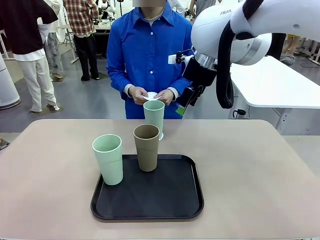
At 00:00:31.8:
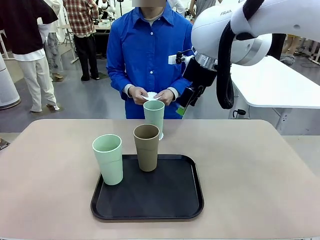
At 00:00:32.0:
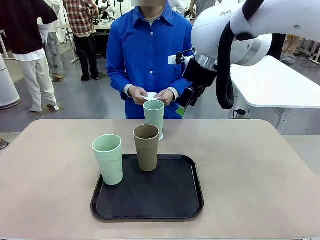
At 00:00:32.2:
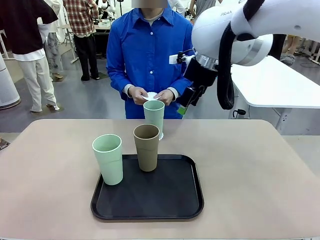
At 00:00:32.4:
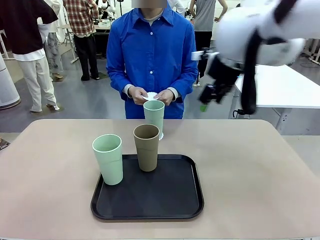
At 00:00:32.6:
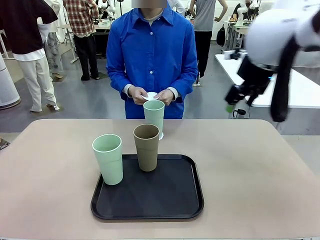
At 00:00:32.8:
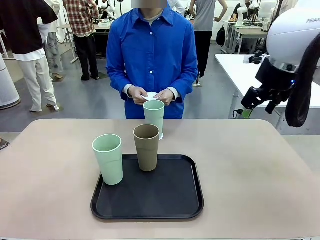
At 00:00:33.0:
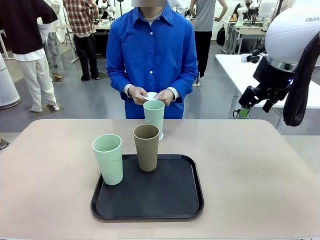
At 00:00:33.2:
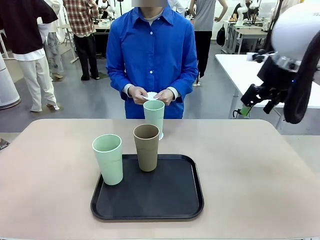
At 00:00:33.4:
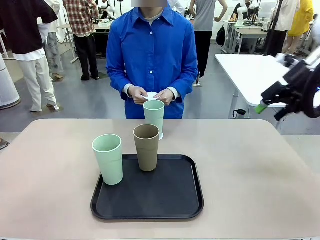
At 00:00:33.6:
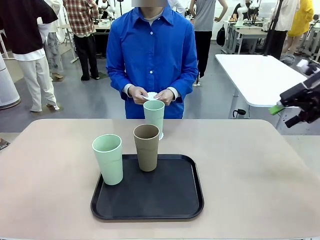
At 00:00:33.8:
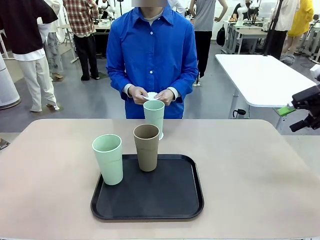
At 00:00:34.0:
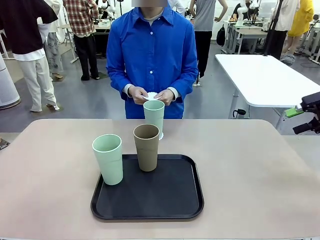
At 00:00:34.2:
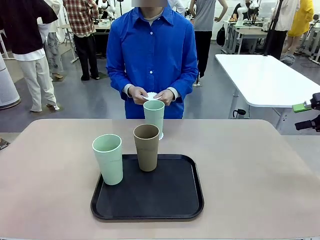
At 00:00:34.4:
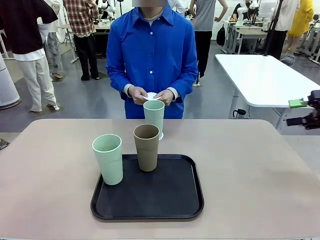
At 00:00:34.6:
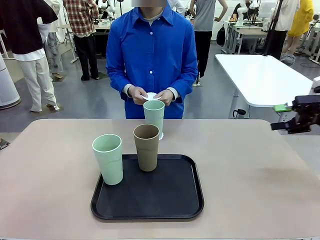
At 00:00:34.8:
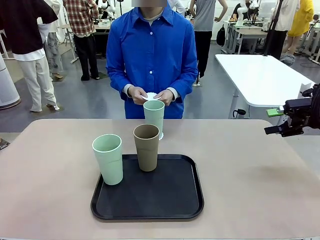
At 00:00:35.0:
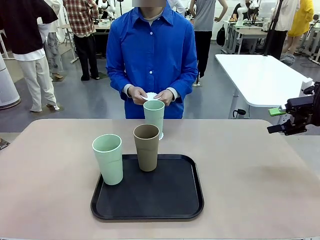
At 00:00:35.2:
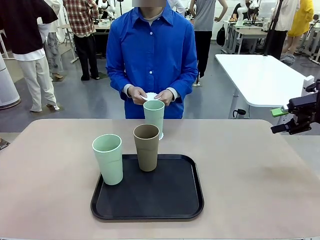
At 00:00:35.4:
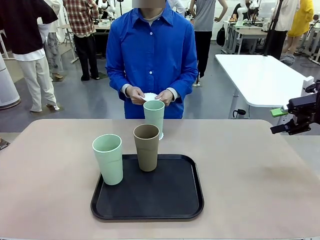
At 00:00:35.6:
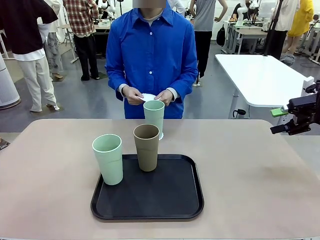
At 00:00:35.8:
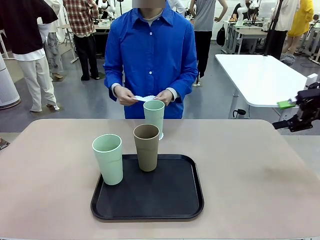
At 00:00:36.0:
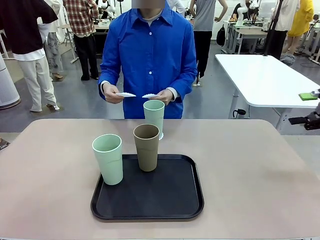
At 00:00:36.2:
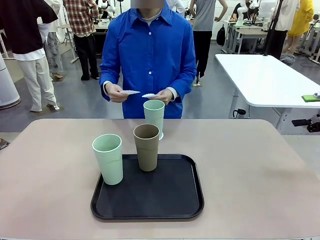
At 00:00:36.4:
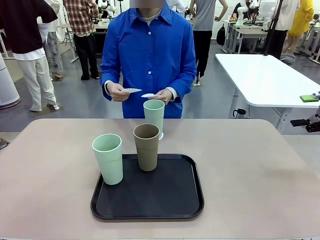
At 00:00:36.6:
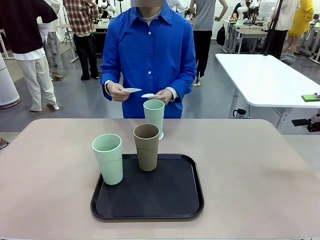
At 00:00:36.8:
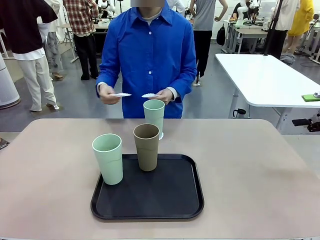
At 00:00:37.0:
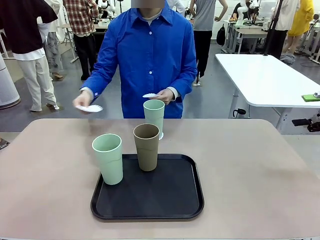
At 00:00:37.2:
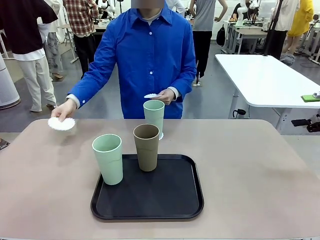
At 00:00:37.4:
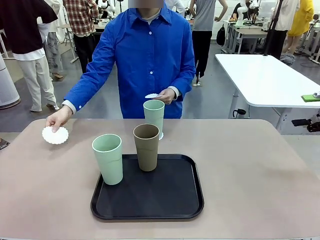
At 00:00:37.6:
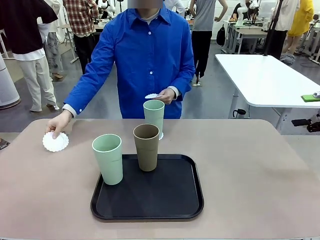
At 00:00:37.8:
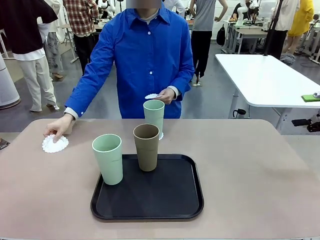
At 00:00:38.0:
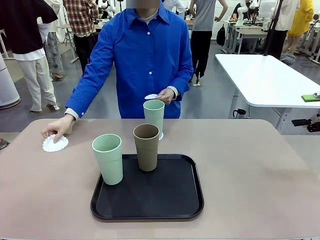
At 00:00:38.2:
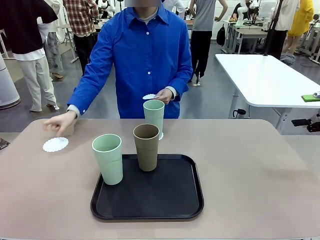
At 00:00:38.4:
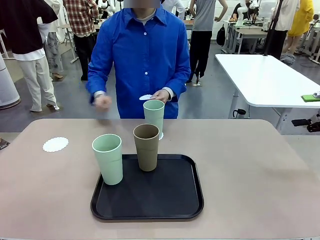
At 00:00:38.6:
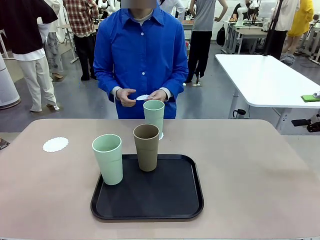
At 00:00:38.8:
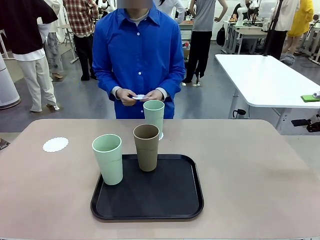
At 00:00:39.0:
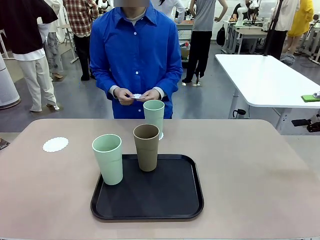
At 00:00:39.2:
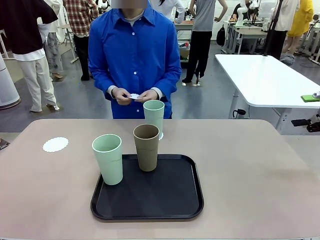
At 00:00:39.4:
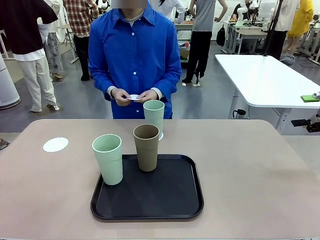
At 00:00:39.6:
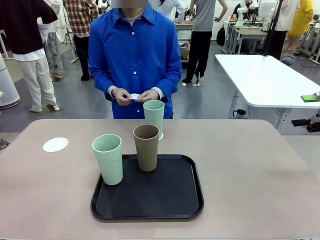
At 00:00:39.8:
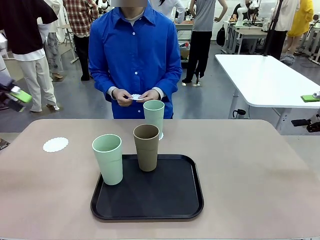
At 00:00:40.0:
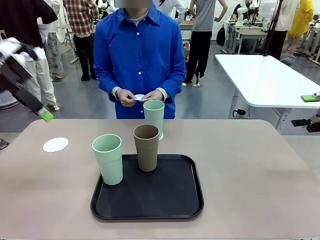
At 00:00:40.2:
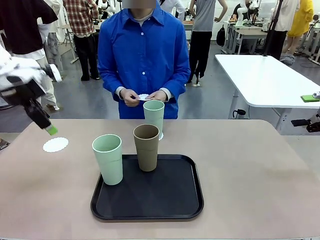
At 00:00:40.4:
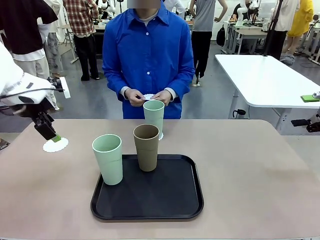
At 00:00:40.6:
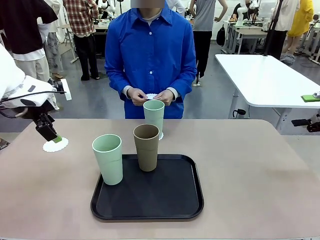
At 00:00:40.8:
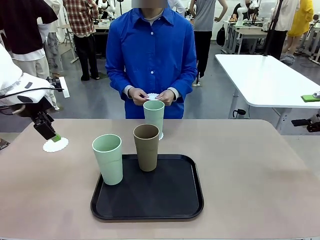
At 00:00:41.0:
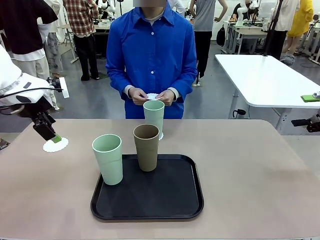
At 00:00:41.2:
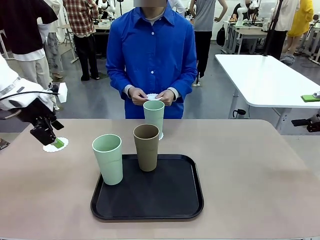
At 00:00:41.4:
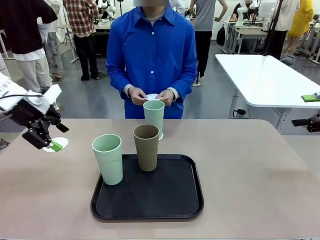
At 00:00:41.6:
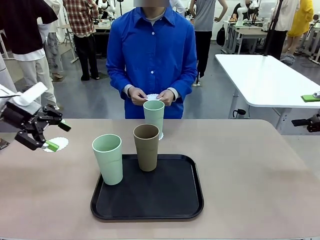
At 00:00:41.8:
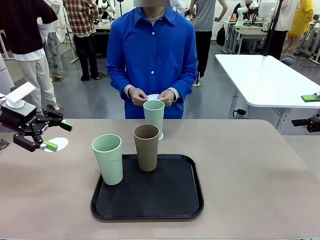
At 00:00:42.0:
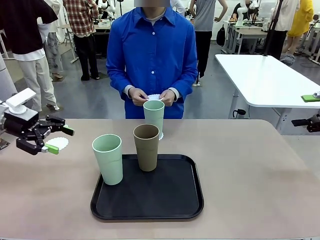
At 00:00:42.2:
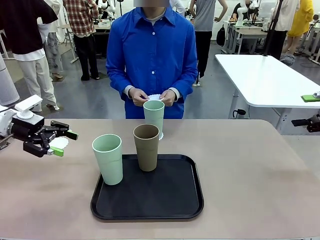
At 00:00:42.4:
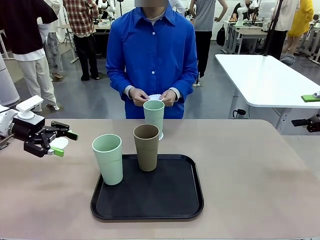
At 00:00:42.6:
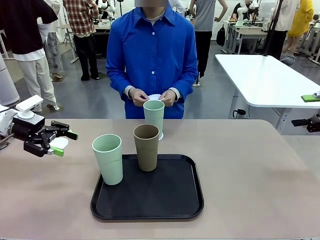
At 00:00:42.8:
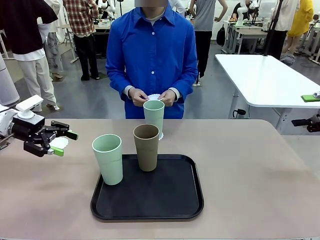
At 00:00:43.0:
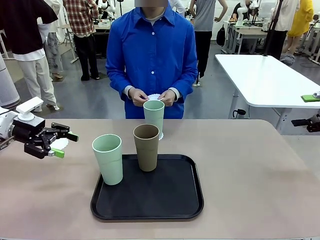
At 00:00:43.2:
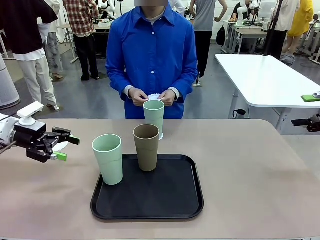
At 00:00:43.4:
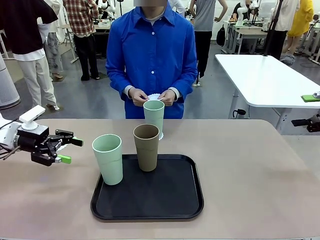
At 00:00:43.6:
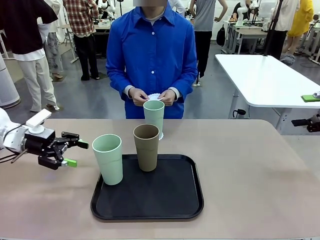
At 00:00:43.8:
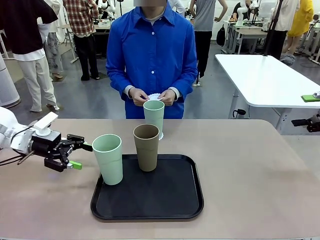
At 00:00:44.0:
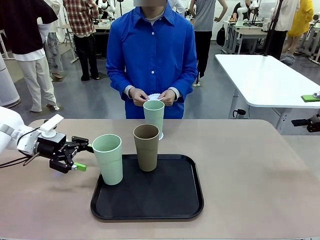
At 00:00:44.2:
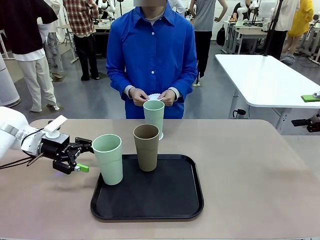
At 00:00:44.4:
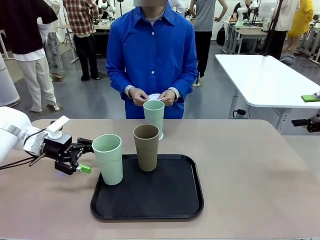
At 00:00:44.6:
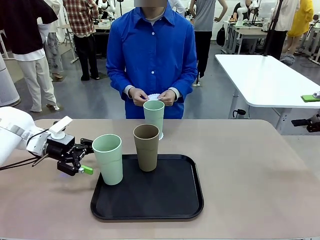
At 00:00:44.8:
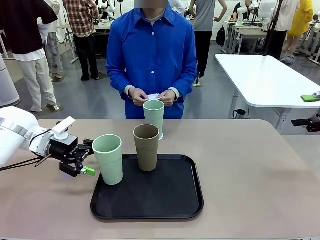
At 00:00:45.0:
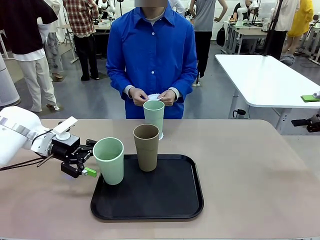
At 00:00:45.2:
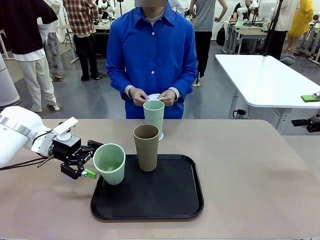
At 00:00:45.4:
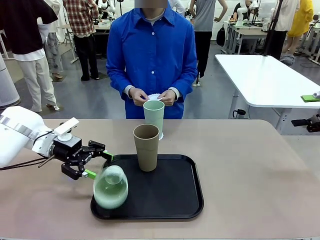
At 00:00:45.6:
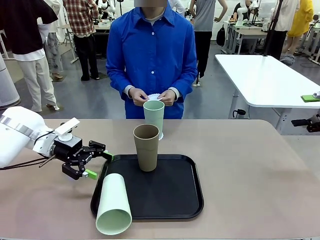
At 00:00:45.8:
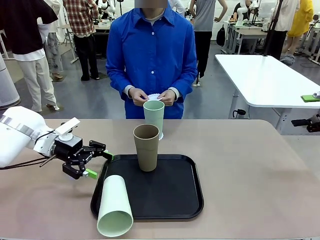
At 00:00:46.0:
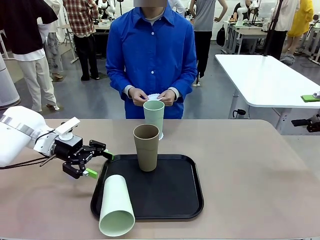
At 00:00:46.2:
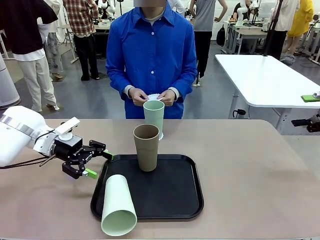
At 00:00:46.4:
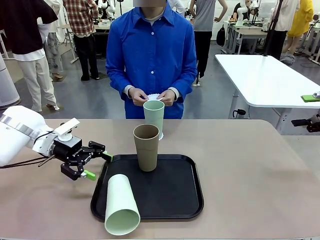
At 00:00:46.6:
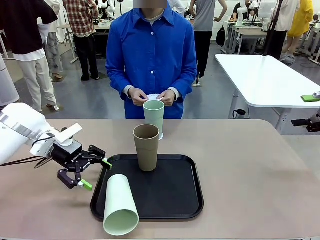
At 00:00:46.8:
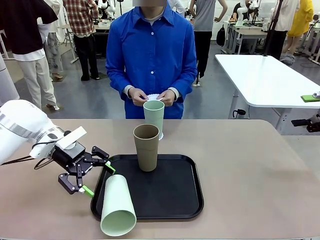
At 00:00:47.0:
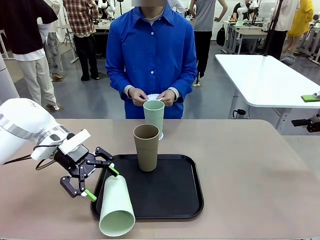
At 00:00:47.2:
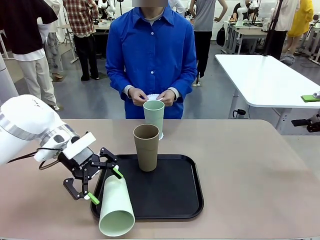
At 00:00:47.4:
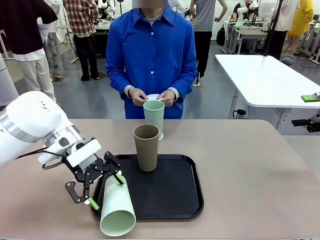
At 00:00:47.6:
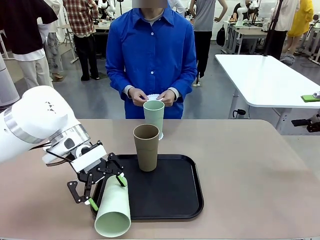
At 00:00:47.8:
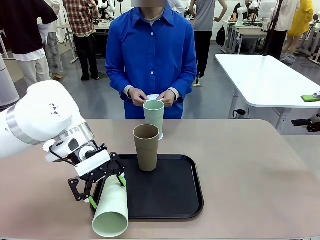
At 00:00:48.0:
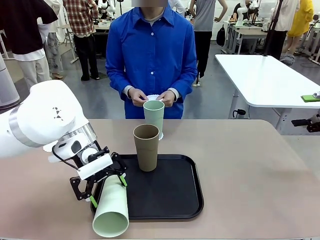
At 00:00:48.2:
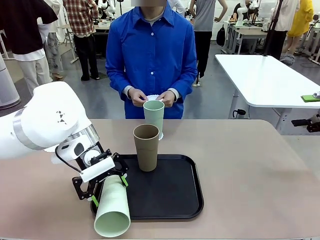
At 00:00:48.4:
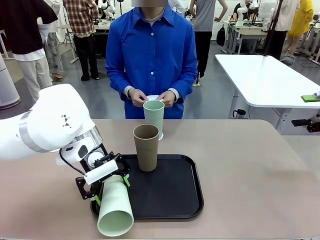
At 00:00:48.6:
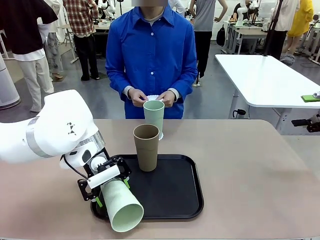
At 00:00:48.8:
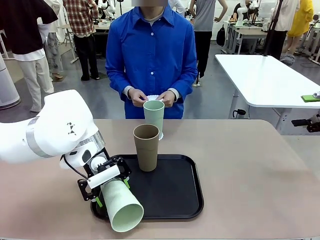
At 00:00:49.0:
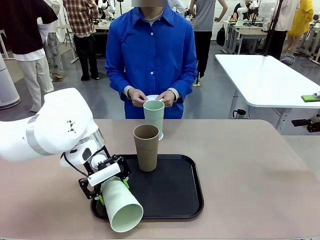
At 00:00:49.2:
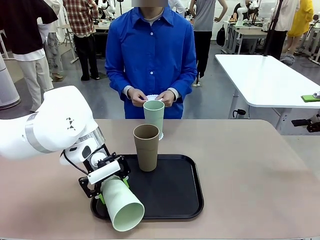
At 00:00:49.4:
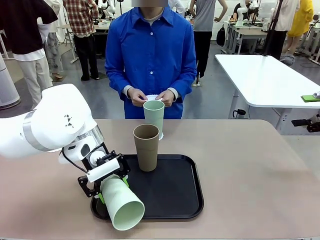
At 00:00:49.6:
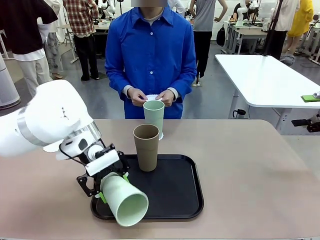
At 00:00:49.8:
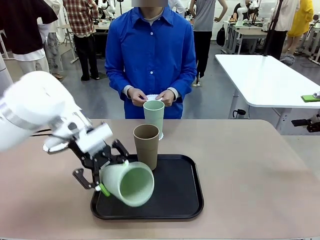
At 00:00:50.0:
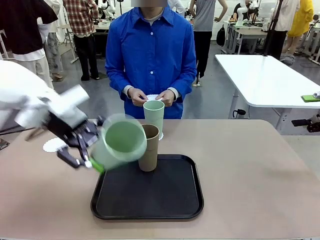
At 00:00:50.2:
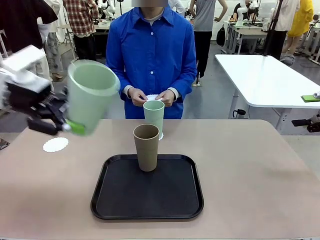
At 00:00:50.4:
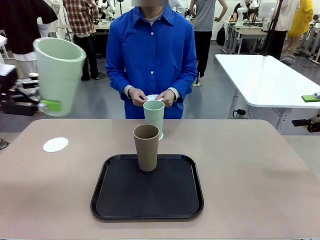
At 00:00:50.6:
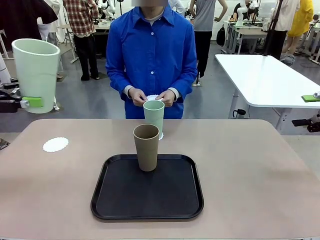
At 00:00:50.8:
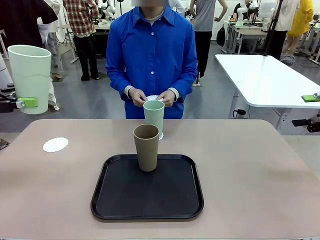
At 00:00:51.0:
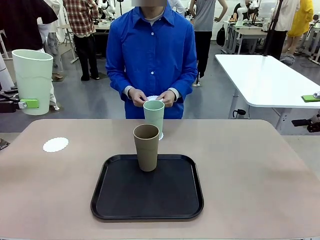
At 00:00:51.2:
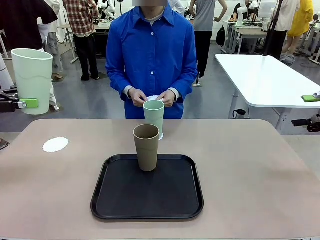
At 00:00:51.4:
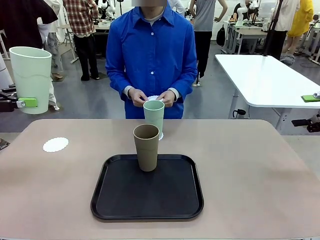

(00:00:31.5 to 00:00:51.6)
Task: Place coasters on the table and set cups on them.
Robot: Take one Reusable plastic cup from the Flat Tray and place it on a coaster set by the human.
